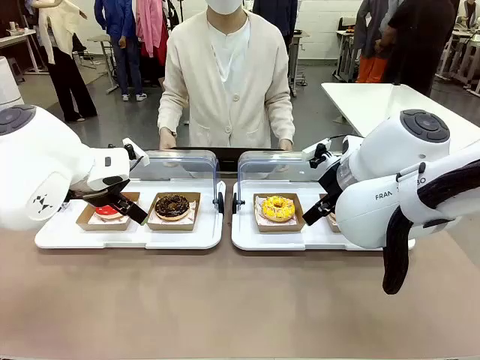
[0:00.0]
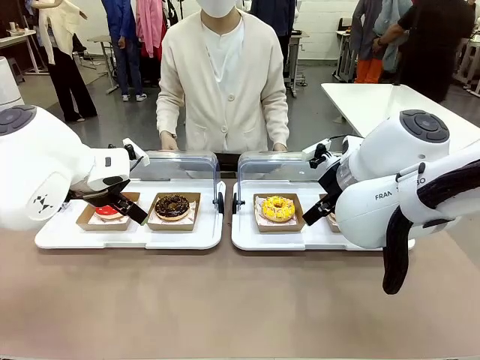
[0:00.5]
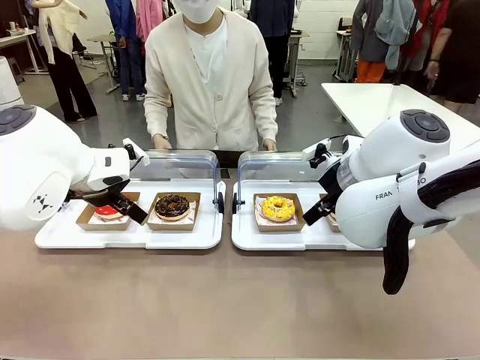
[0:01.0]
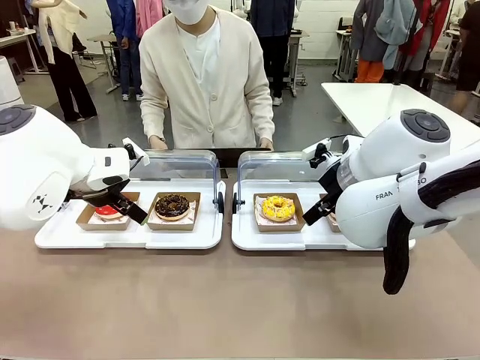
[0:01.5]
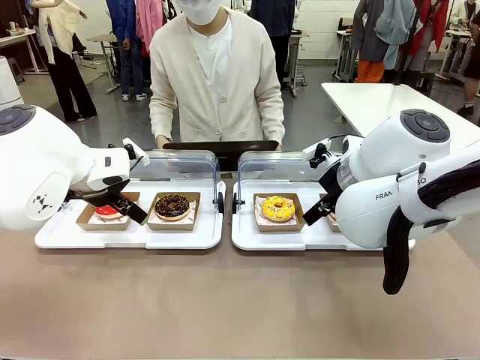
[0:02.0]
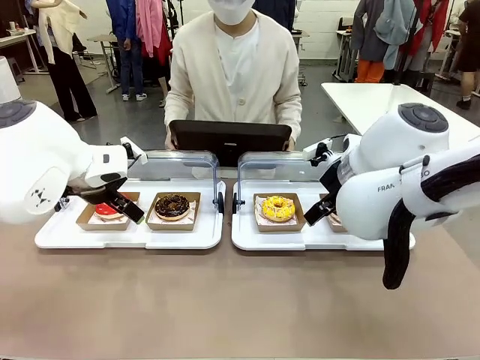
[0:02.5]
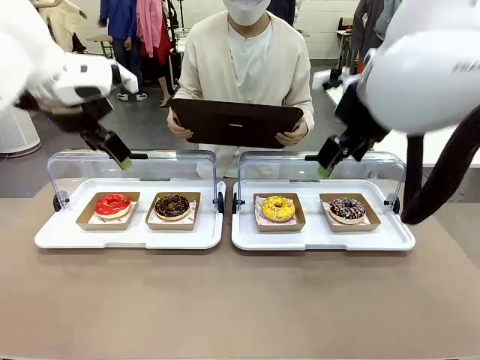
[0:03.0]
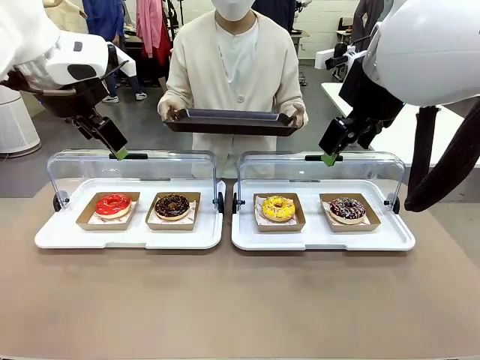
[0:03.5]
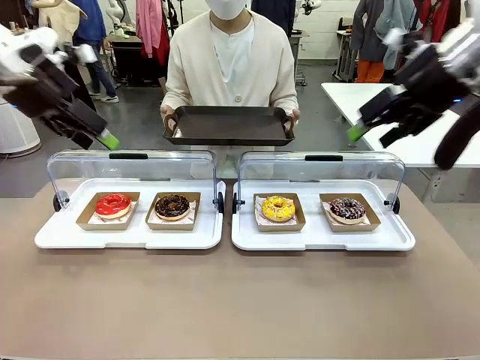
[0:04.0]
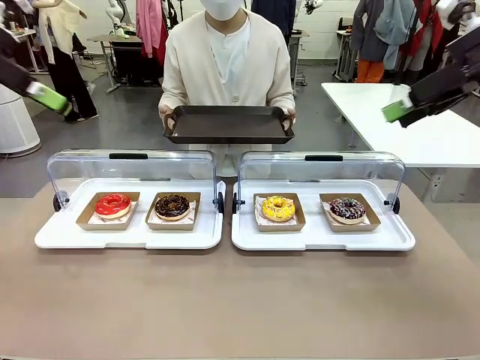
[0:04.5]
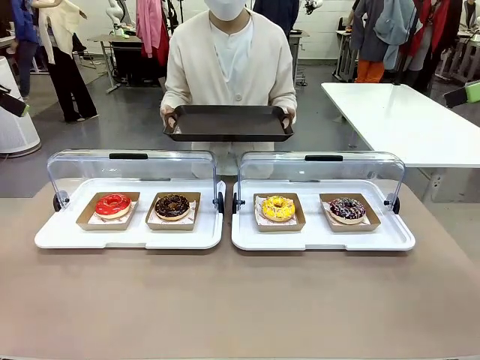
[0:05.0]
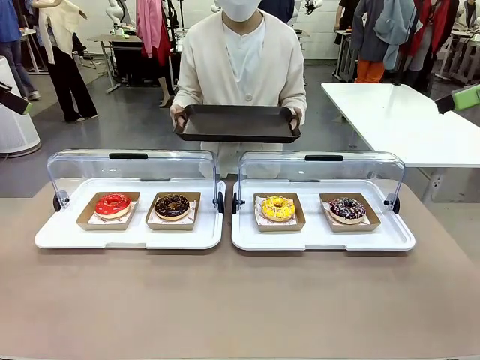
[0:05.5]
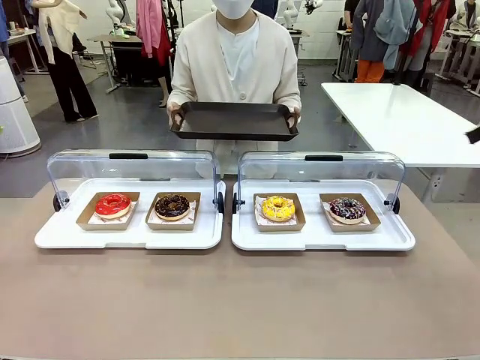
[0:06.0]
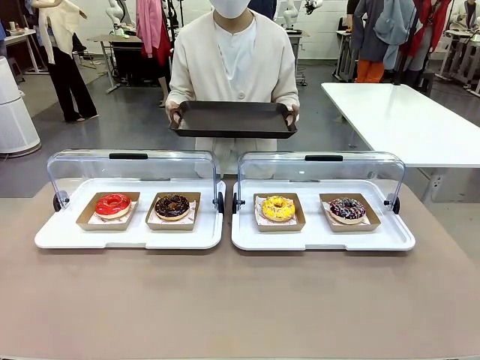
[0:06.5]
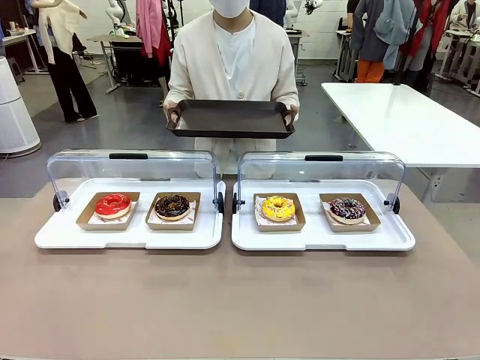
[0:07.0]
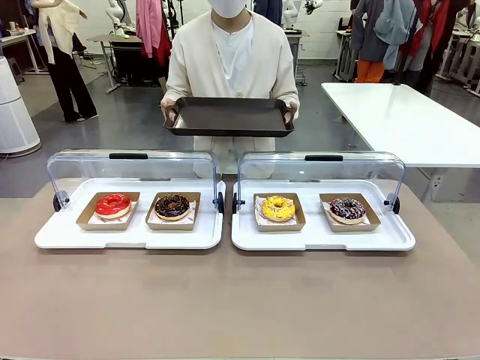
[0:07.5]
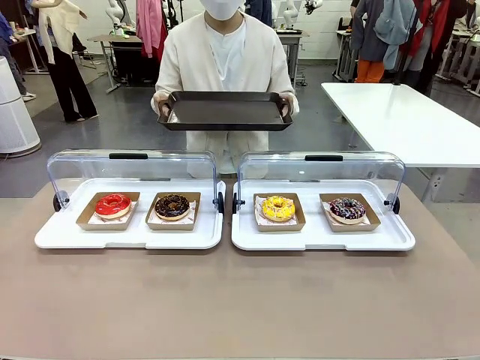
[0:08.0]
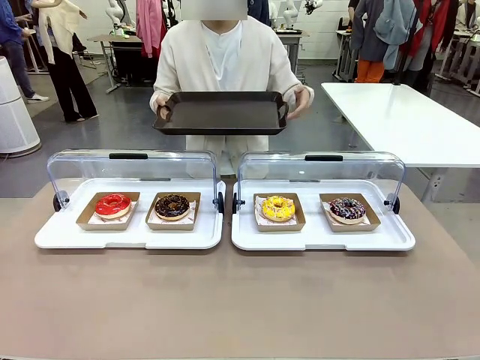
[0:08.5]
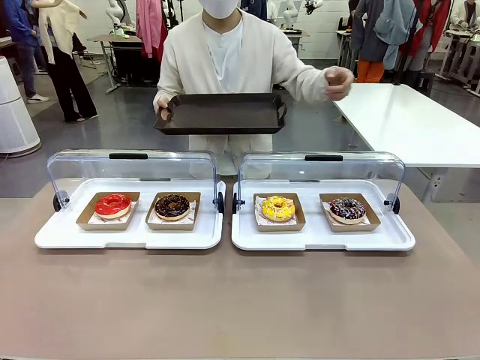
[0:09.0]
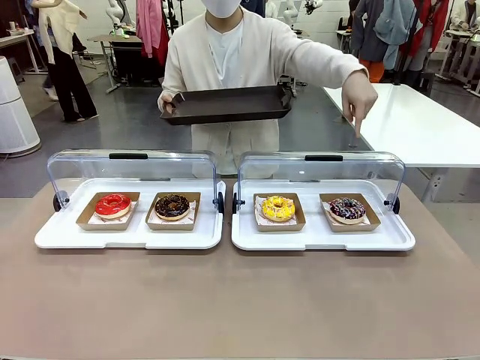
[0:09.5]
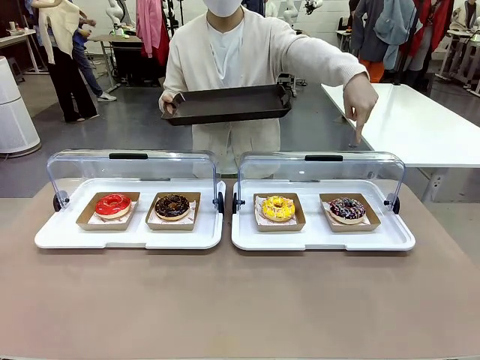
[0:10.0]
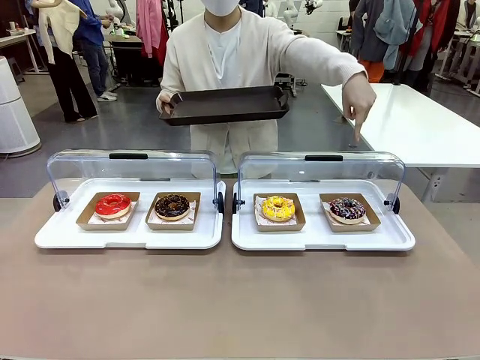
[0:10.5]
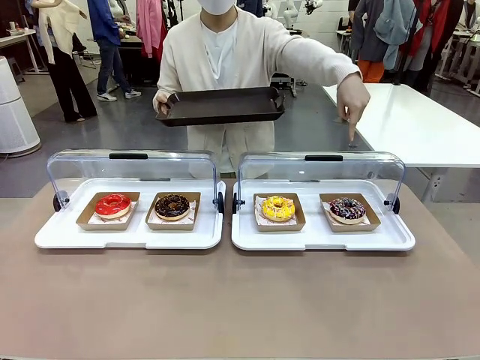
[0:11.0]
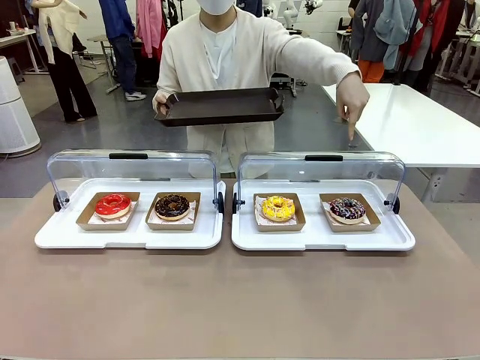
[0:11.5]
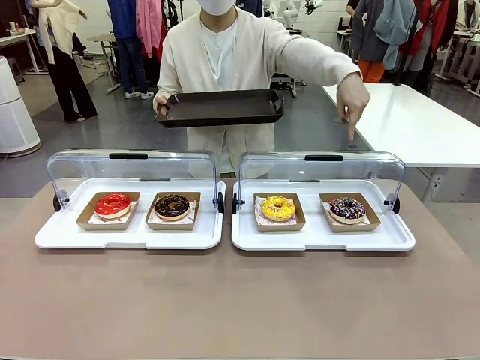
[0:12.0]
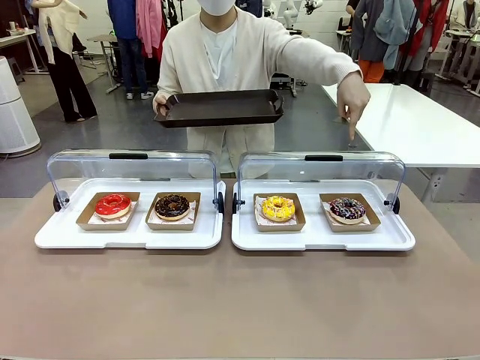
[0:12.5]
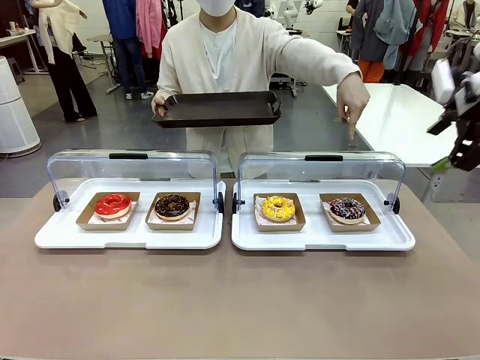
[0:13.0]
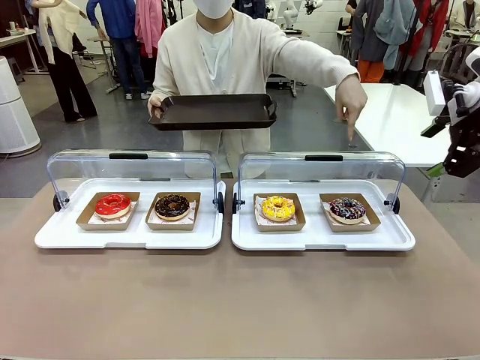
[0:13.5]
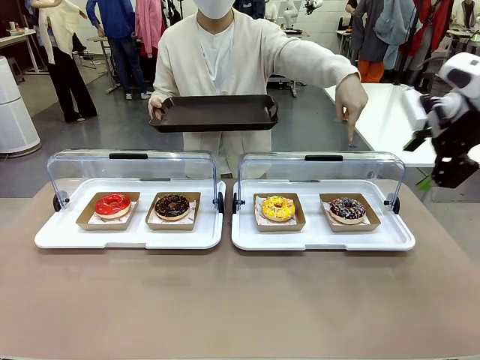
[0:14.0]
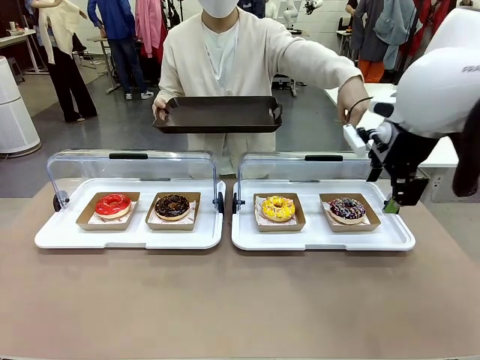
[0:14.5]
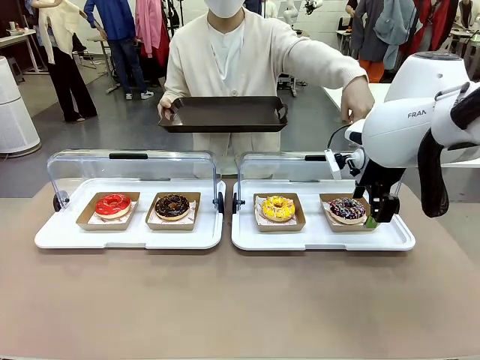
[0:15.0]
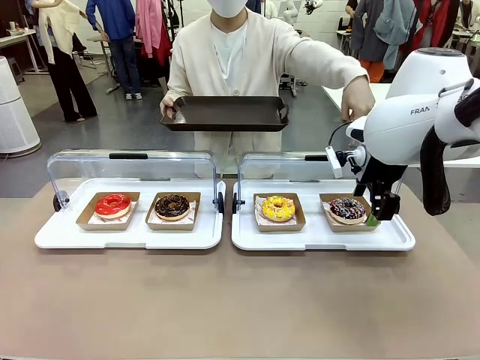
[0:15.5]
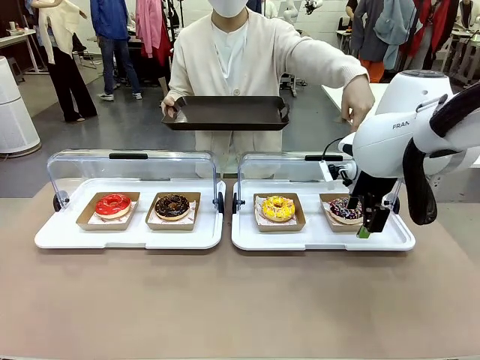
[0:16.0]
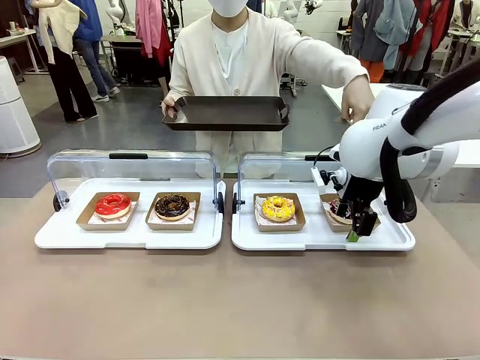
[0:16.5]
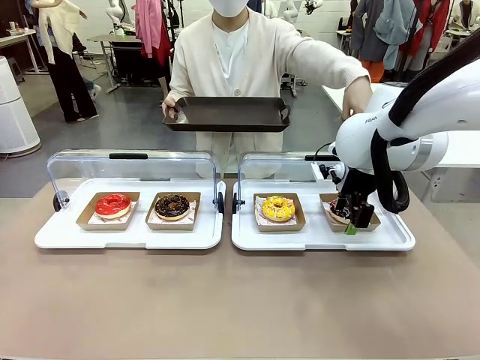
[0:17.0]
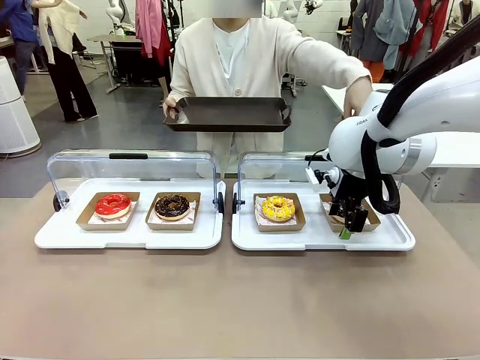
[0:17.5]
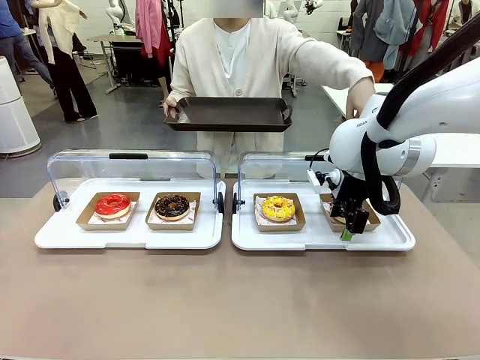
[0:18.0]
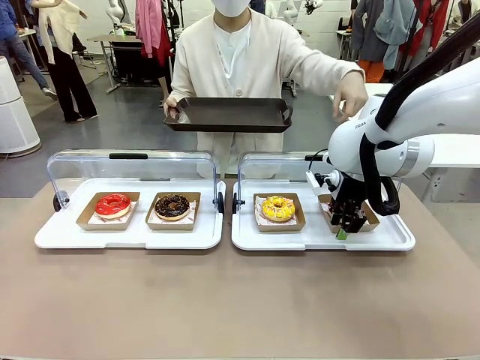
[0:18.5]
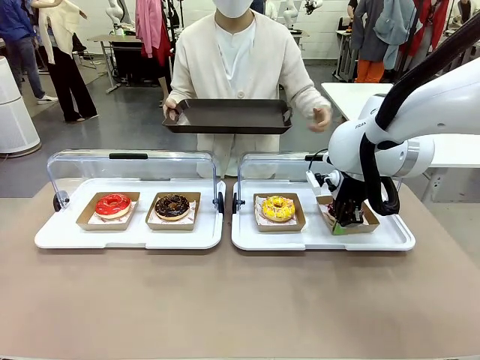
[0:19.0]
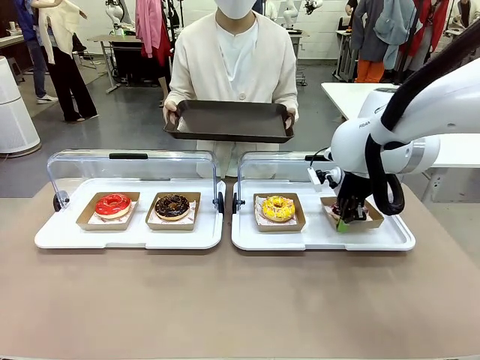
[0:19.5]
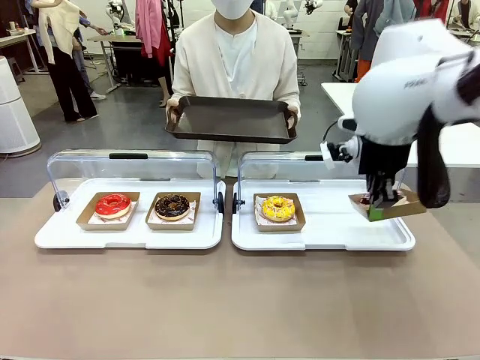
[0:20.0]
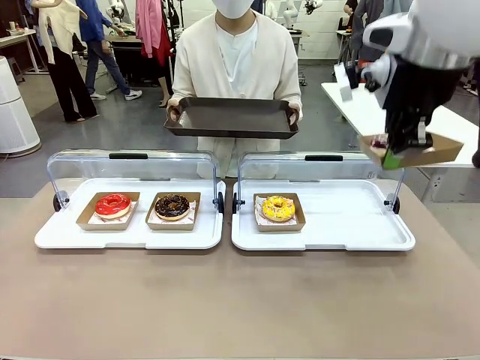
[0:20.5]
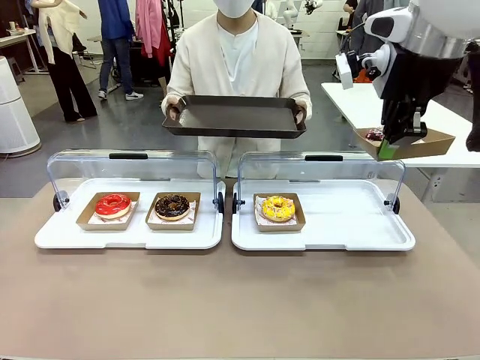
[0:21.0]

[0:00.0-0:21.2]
Task: Provide the desired donut to the person.
Robot: Pick up and lift the Paper togo box containing the Donut pointed at by the person.
Person: Point to one donut. Lift the tray onto the Roll-Top Bakery Case.

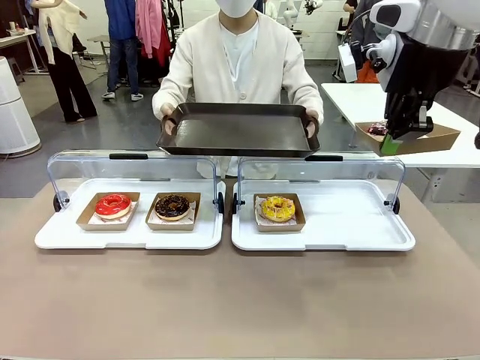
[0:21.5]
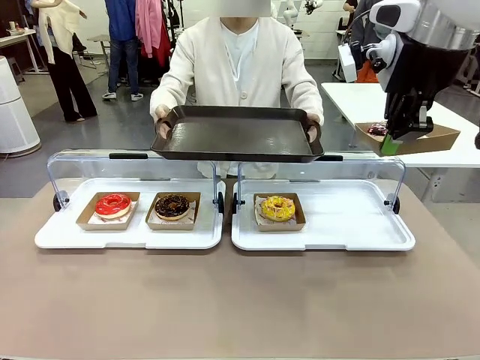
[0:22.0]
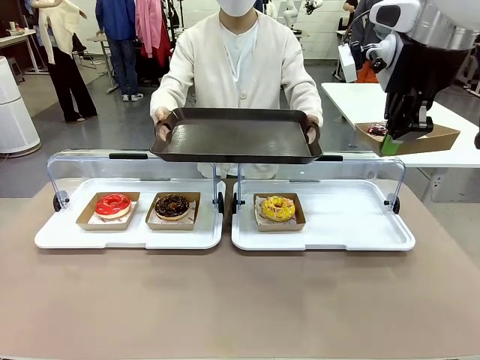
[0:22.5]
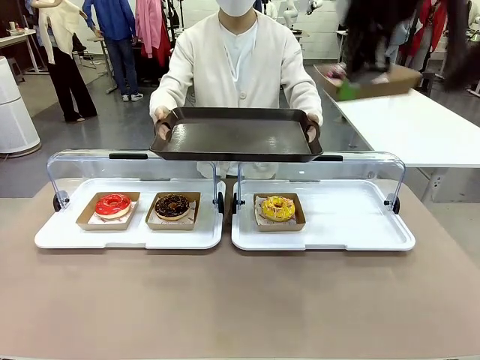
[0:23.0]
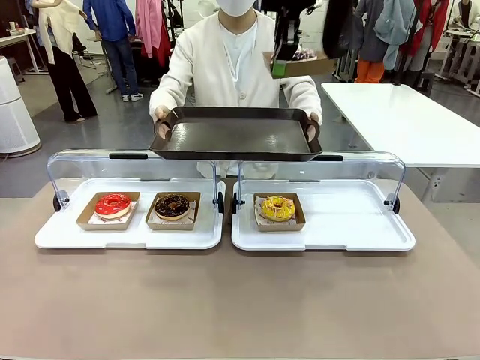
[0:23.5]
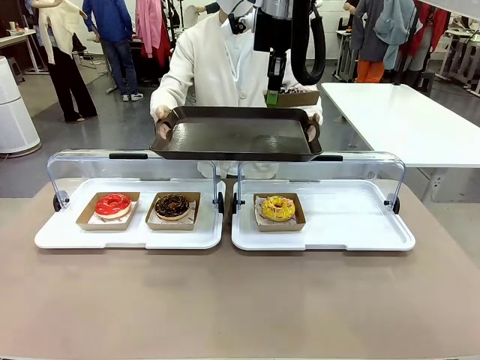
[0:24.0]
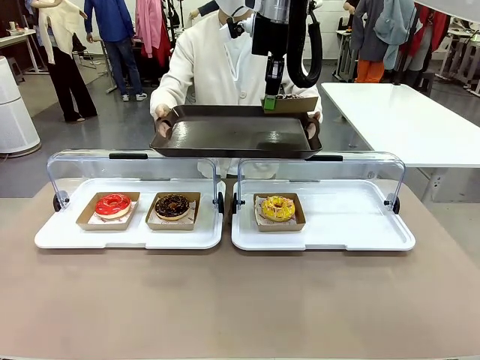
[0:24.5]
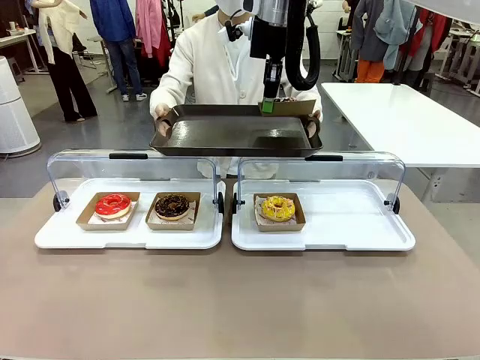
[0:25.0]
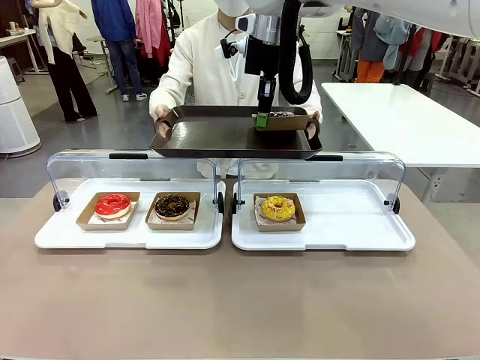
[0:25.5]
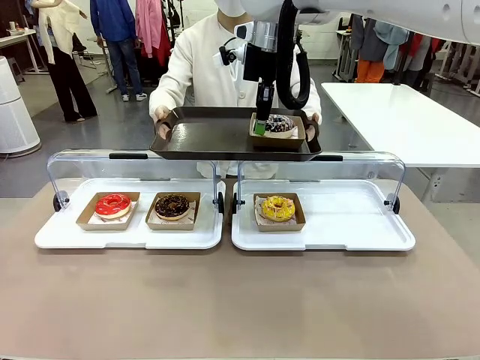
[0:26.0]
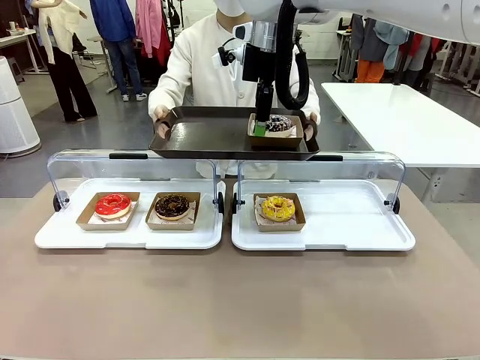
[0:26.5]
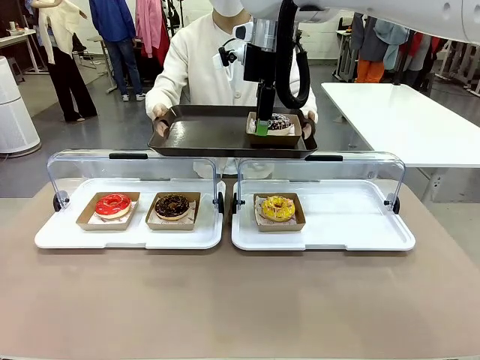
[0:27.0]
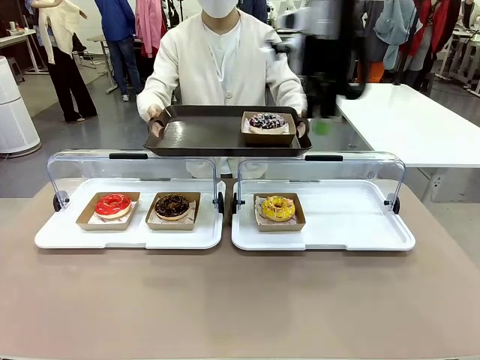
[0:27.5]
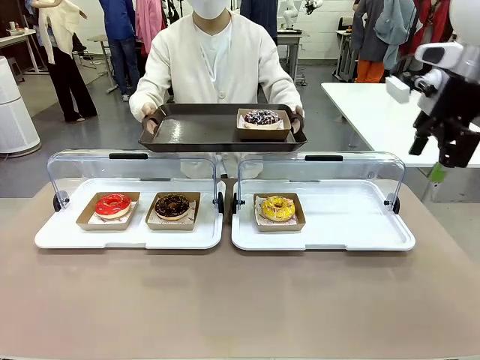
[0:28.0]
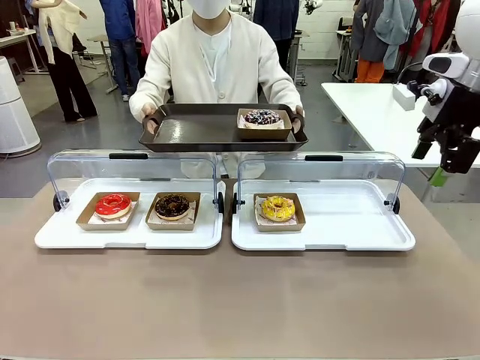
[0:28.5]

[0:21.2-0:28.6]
Robot: Place the picked Paper togo box onto the Handle tray extended by the person.
